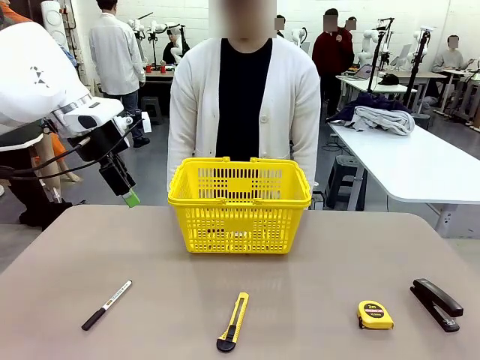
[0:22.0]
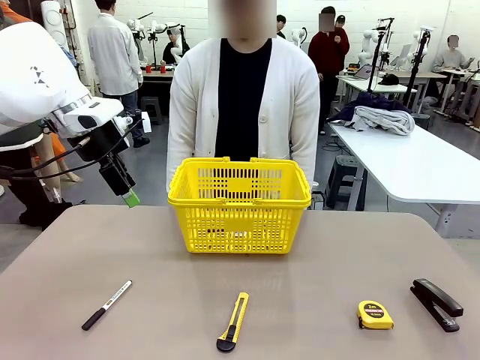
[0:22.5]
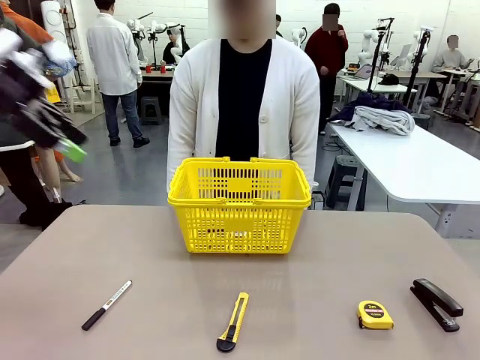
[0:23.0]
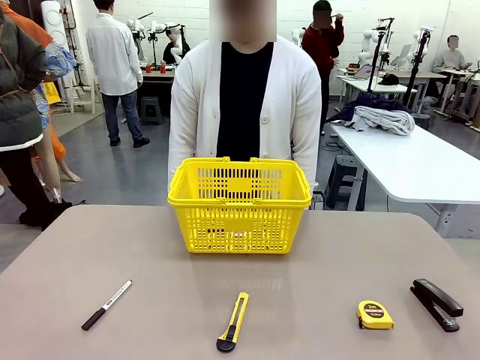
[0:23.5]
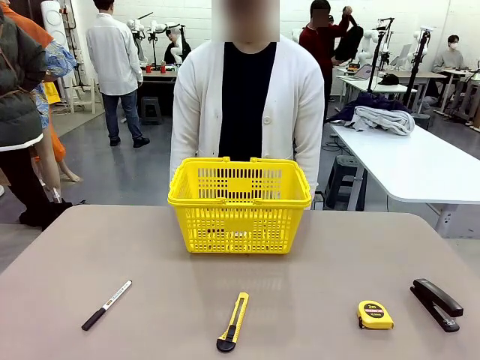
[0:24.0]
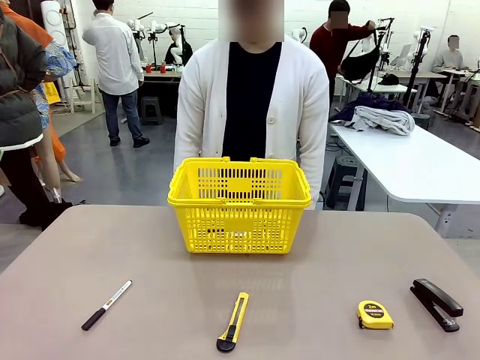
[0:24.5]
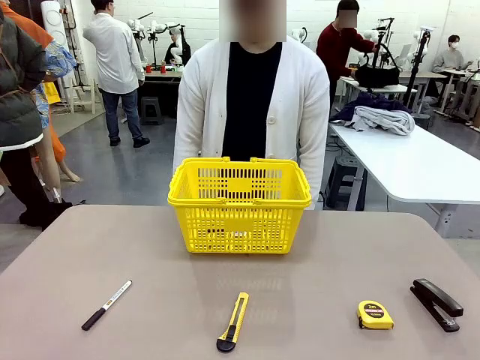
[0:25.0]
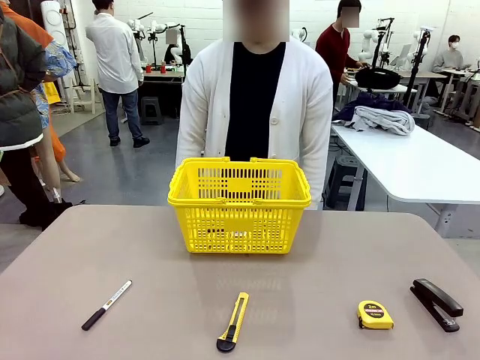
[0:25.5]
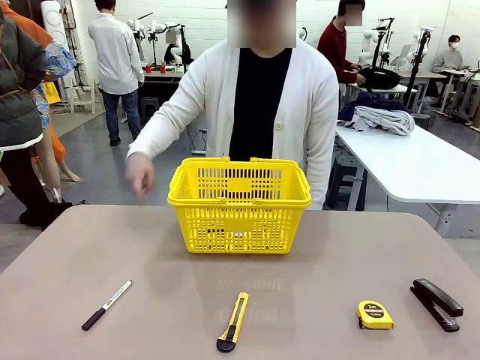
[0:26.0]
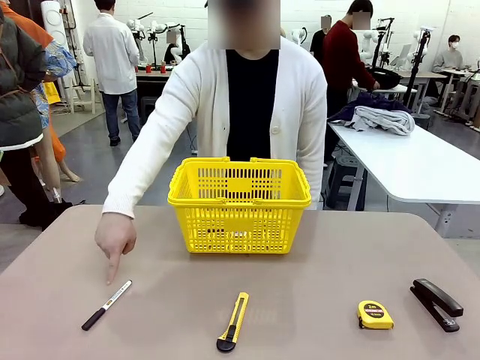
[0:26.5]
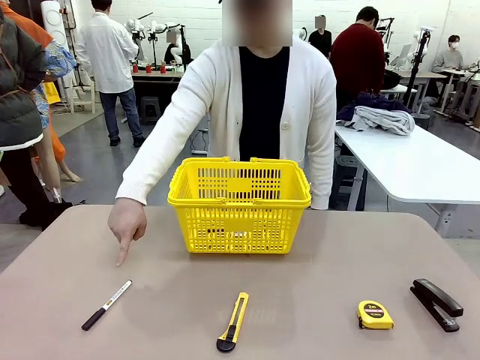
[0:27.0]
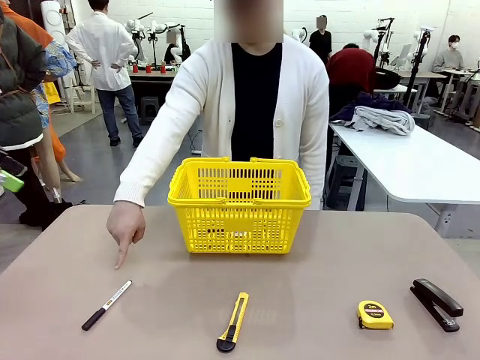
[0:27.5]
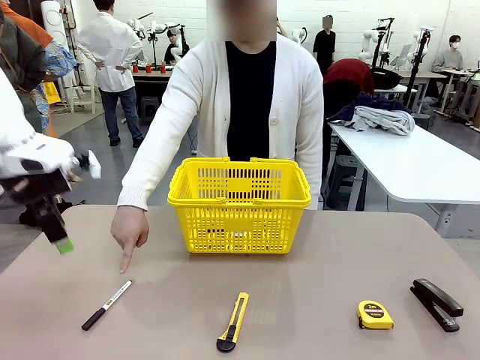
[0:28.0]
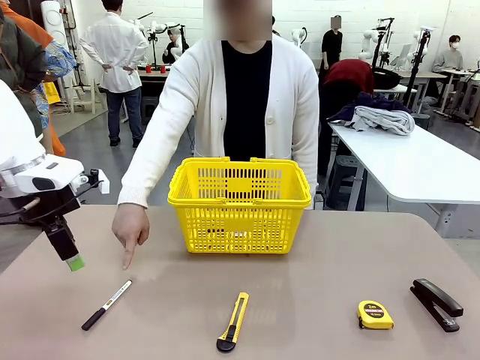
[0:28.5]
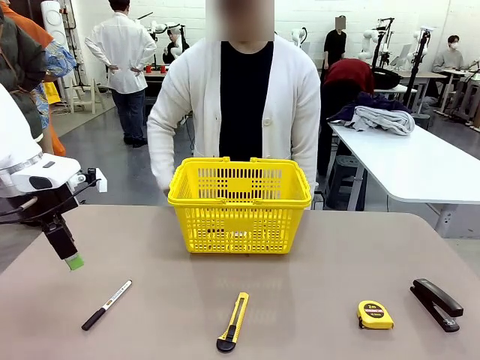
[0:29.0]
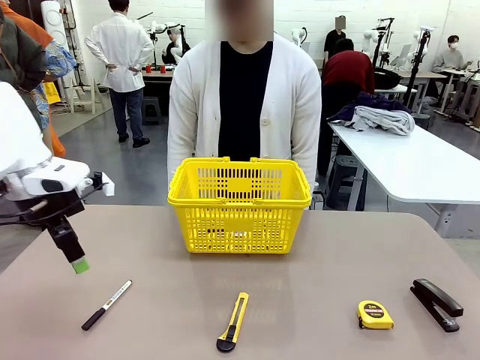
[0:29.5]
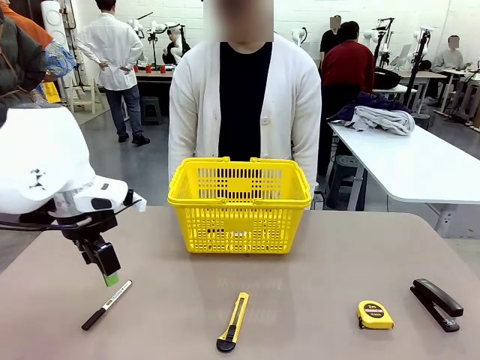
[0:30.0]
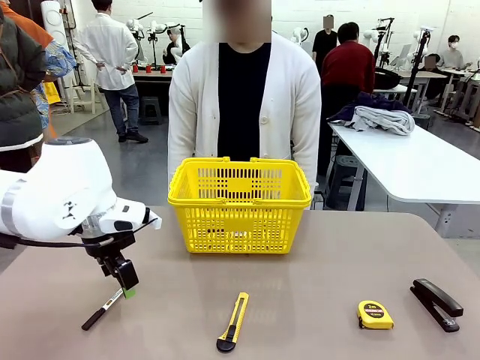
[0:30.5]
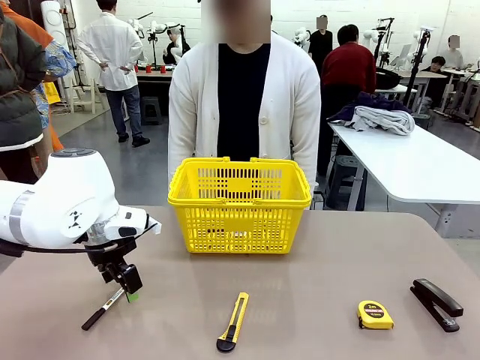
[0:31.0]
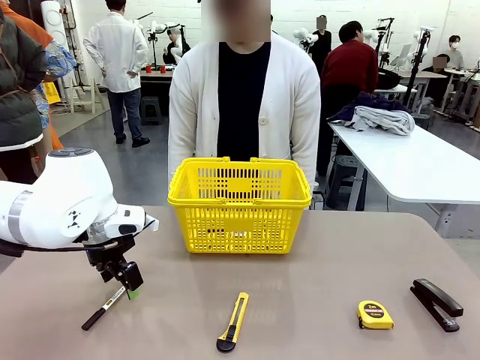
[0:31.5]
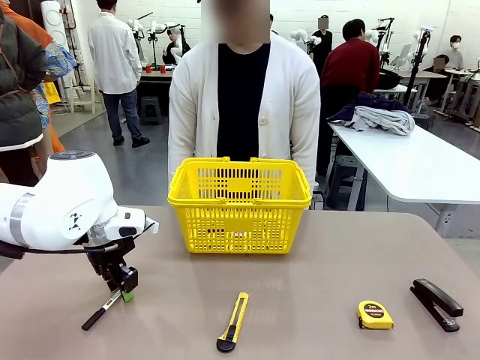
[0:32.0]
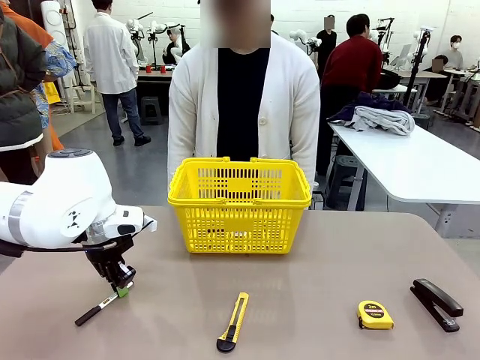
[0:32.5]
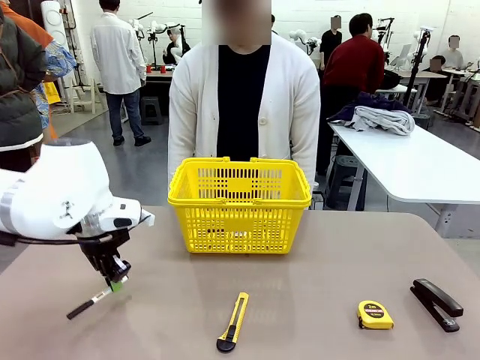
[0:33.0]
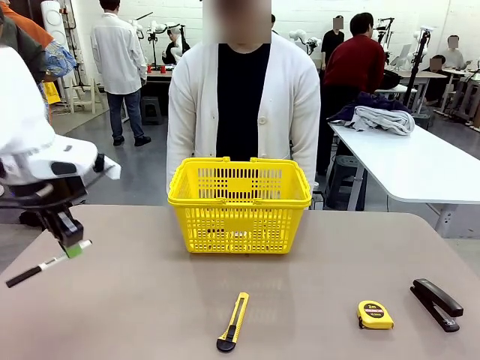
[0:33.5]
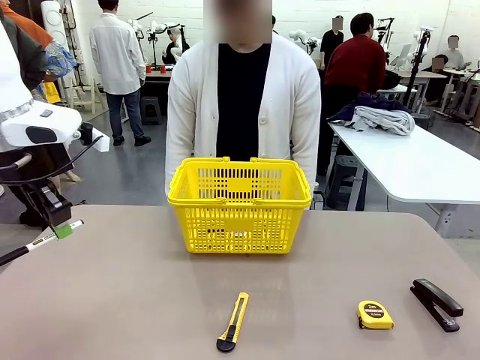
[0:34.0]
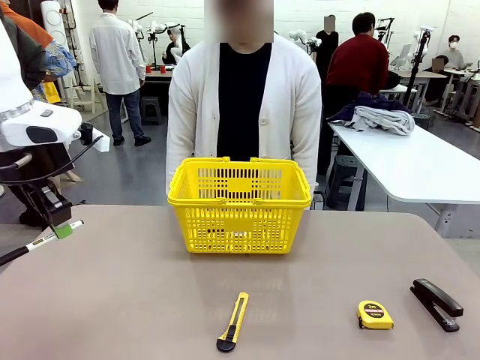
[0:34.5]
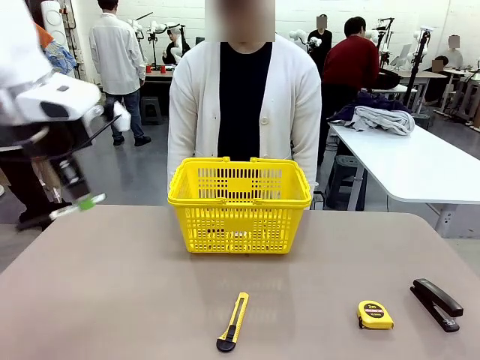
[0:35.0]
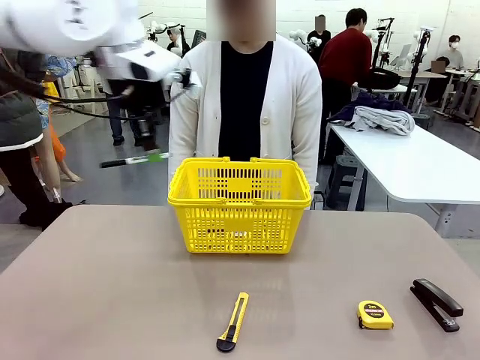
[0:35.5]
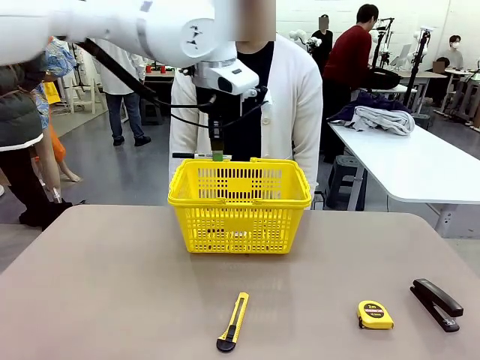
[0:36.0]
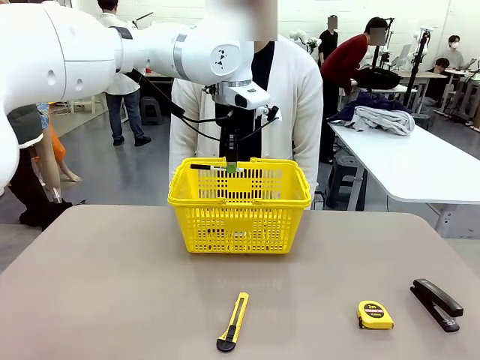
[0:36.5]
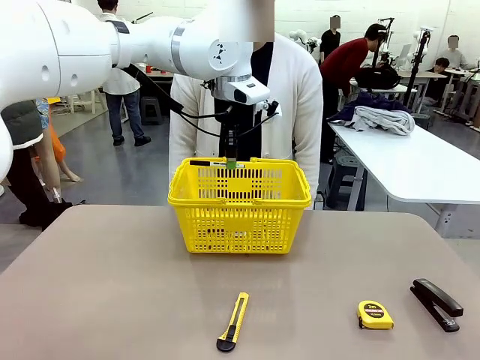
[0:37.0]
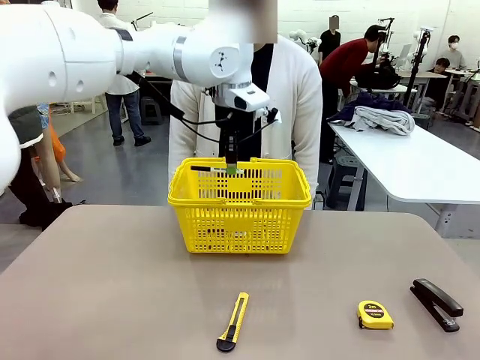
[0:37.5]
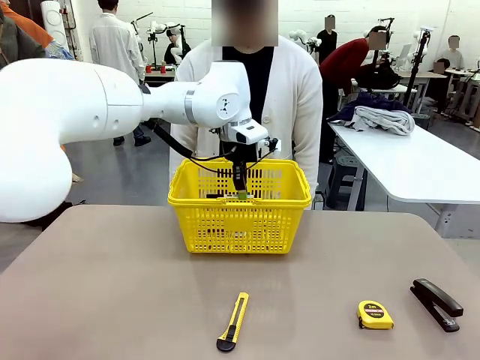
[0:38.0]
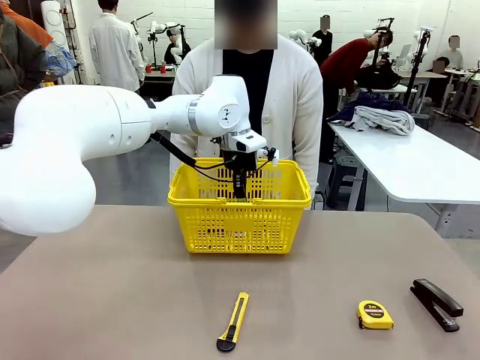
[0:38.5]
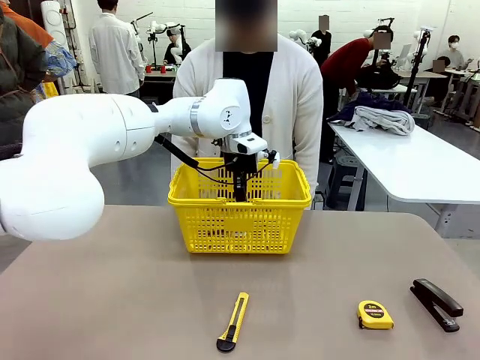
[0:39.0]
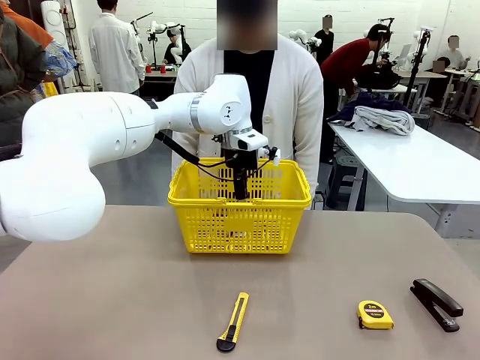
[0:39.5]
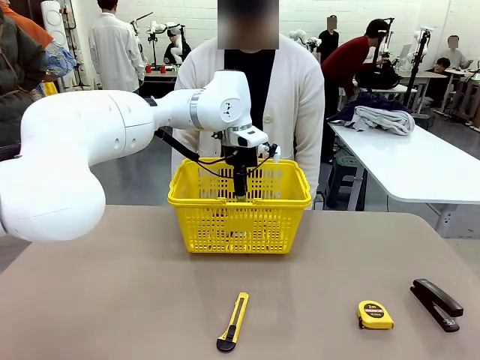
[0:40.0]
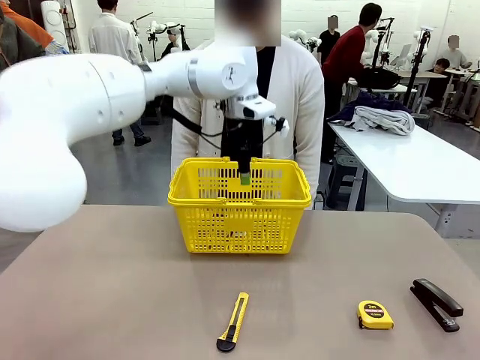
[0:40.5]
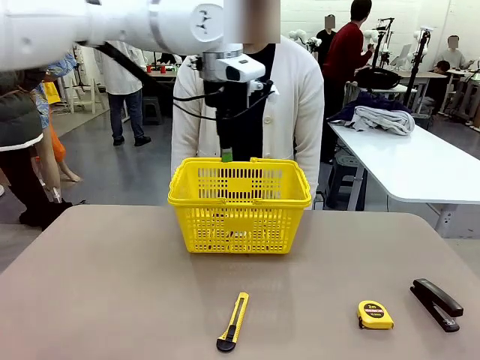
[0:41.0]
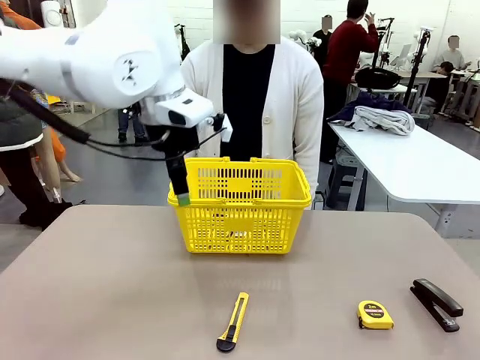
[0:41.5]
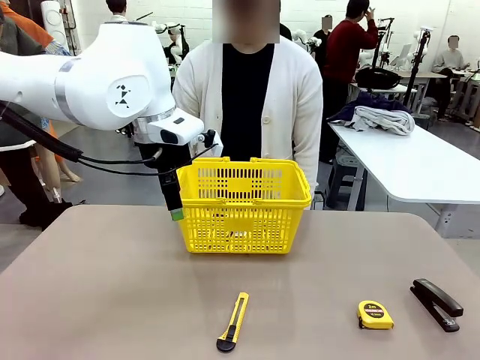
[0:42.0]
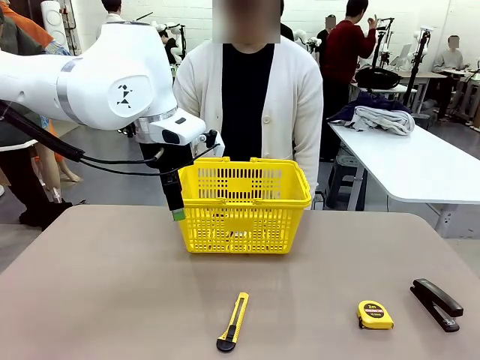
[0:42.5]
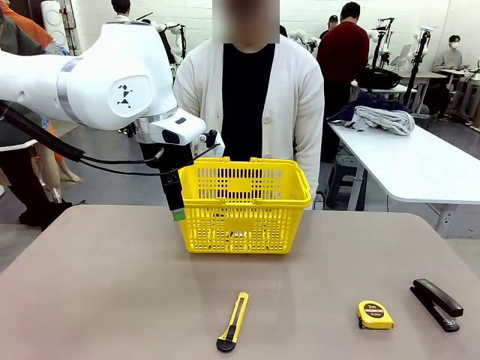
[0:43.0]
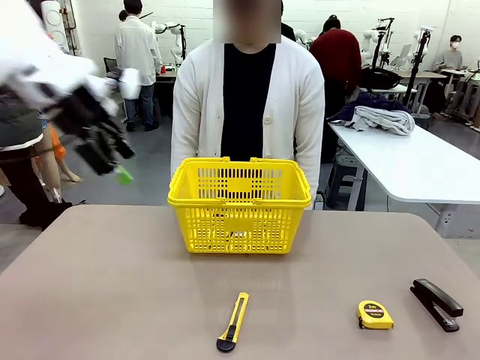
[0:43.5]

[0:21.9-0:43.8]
Task: Place the items the person wants into the basket.
Robot: Pick up the item the person points to and place it in the Market Basket.
